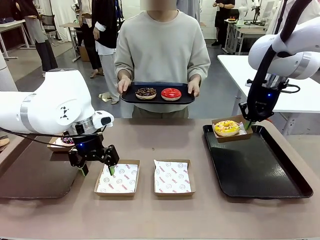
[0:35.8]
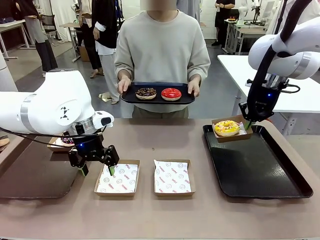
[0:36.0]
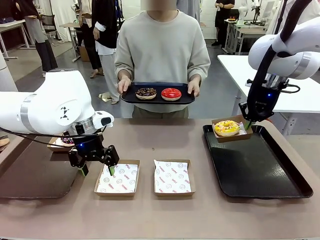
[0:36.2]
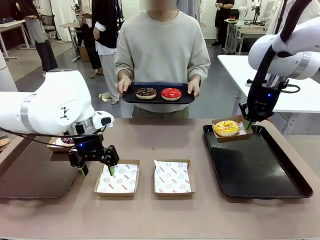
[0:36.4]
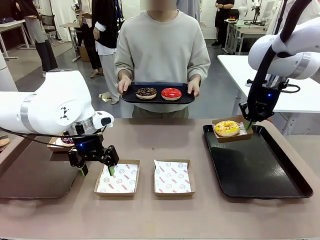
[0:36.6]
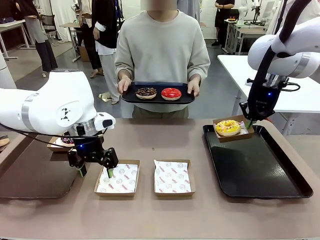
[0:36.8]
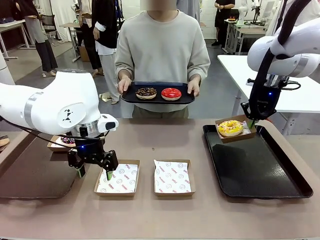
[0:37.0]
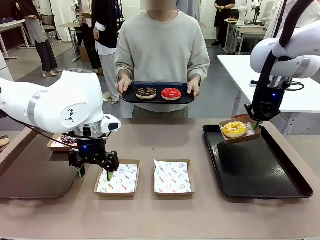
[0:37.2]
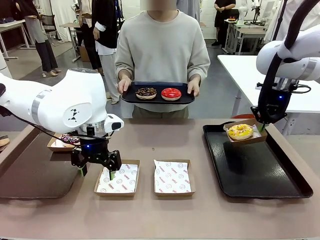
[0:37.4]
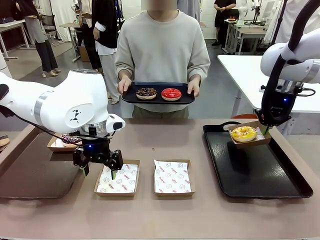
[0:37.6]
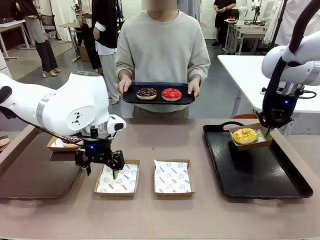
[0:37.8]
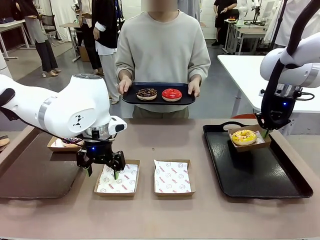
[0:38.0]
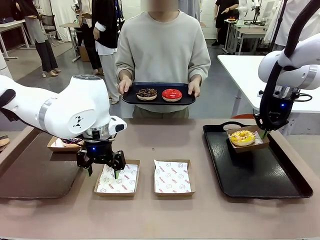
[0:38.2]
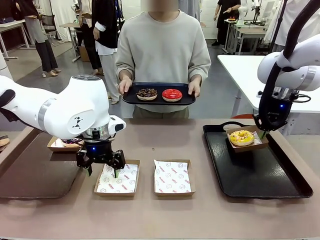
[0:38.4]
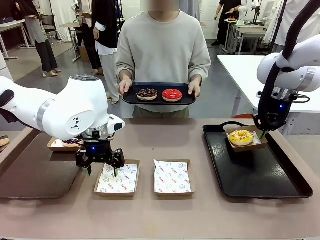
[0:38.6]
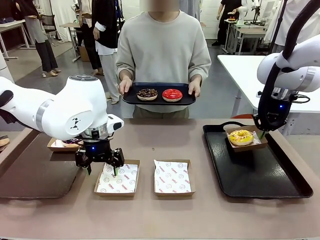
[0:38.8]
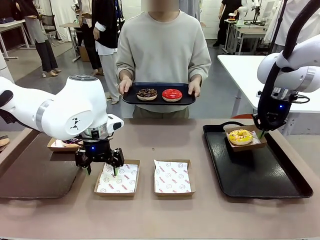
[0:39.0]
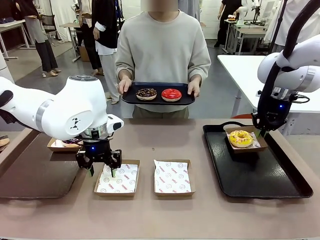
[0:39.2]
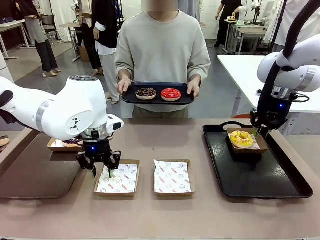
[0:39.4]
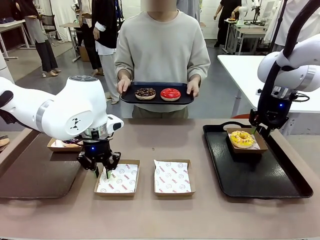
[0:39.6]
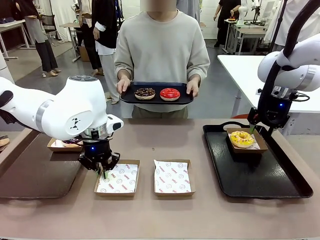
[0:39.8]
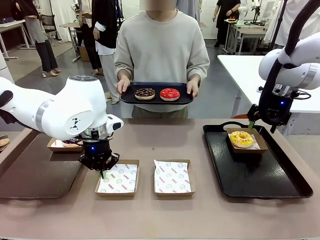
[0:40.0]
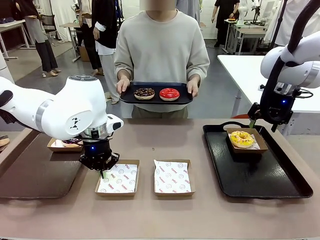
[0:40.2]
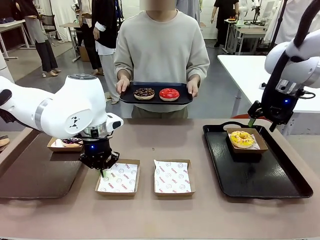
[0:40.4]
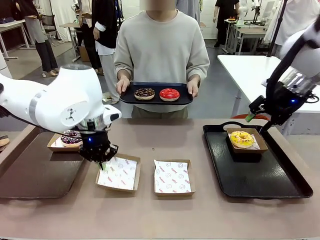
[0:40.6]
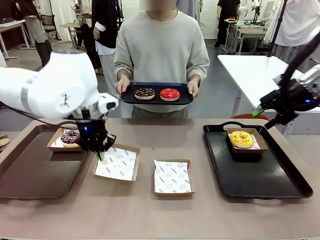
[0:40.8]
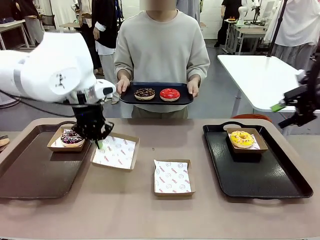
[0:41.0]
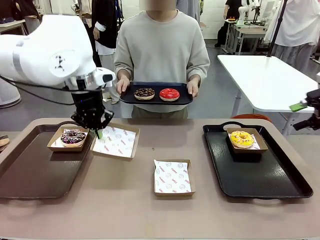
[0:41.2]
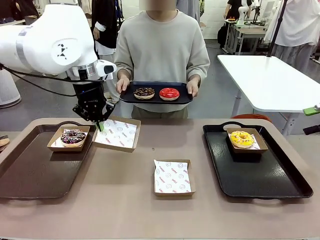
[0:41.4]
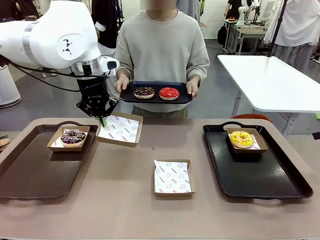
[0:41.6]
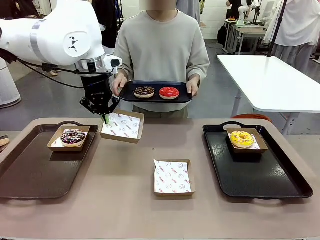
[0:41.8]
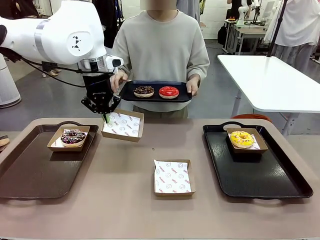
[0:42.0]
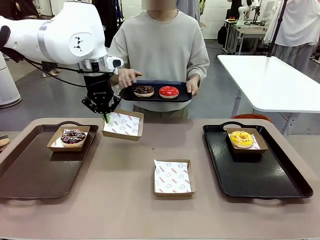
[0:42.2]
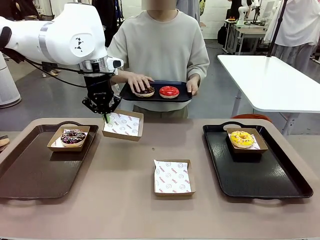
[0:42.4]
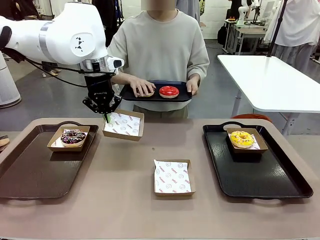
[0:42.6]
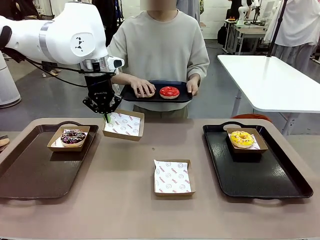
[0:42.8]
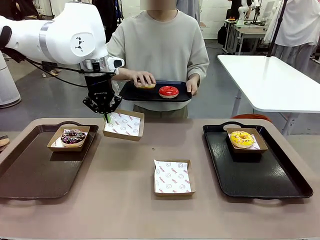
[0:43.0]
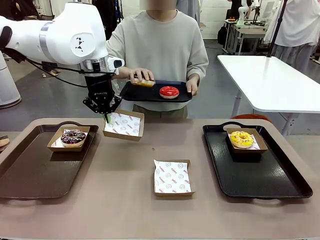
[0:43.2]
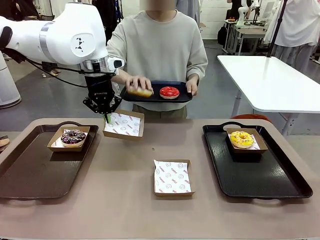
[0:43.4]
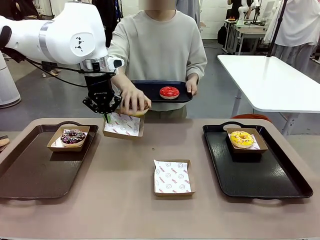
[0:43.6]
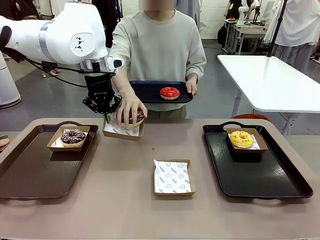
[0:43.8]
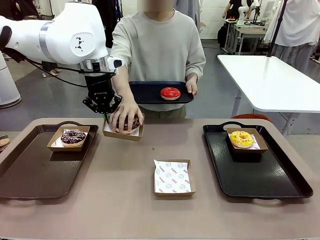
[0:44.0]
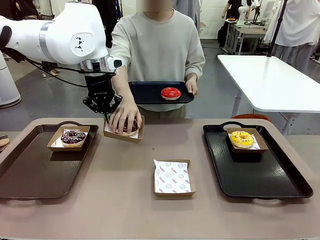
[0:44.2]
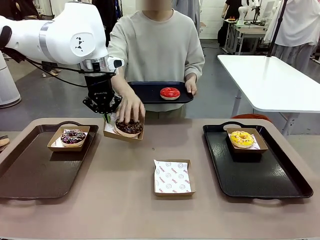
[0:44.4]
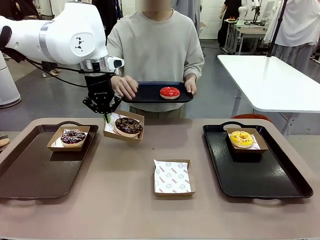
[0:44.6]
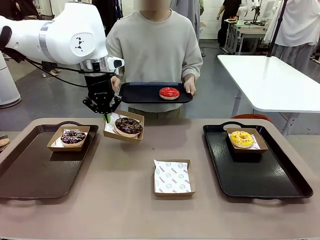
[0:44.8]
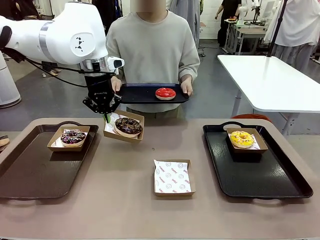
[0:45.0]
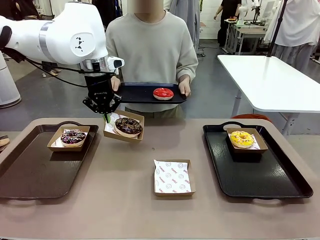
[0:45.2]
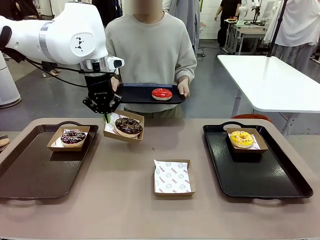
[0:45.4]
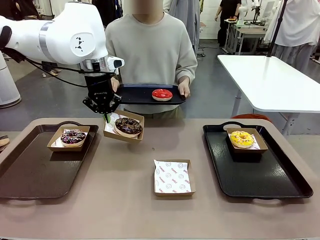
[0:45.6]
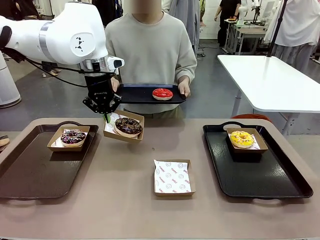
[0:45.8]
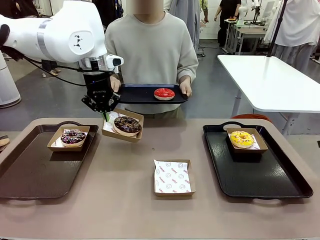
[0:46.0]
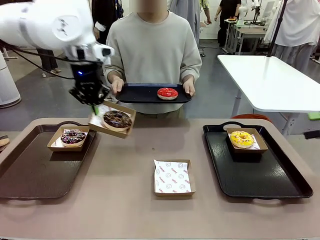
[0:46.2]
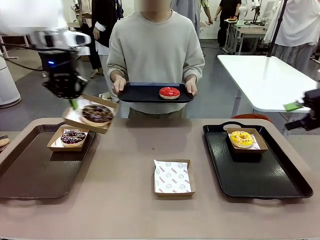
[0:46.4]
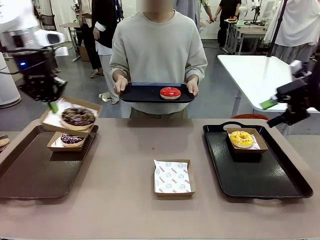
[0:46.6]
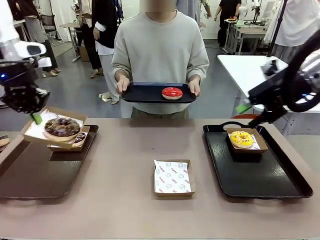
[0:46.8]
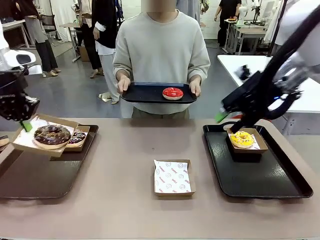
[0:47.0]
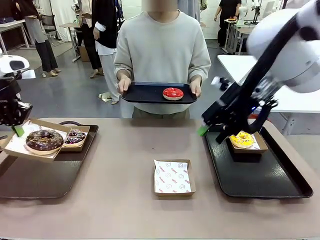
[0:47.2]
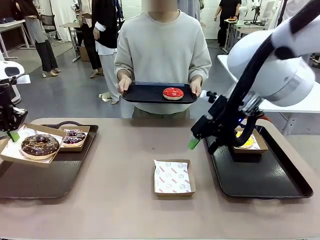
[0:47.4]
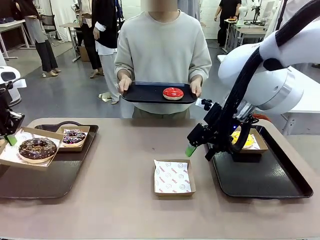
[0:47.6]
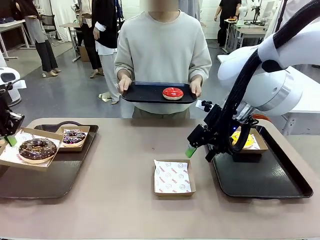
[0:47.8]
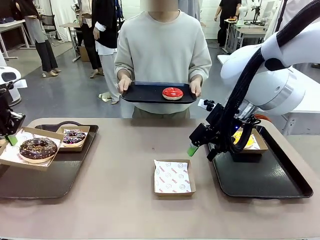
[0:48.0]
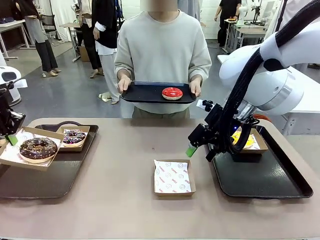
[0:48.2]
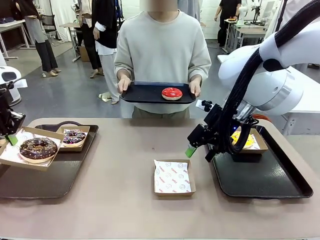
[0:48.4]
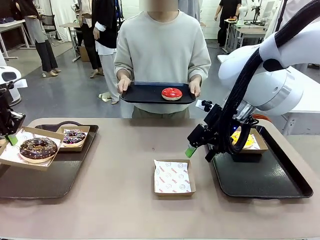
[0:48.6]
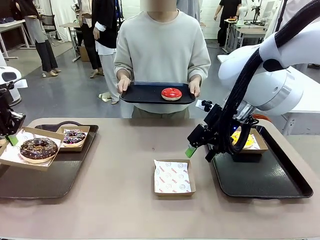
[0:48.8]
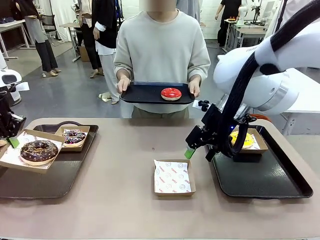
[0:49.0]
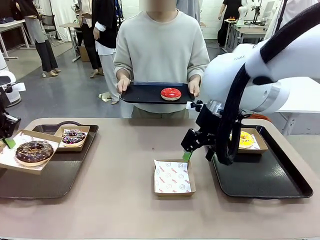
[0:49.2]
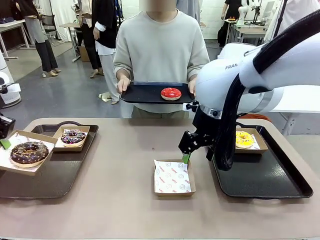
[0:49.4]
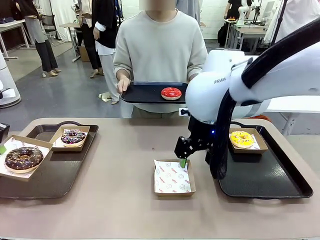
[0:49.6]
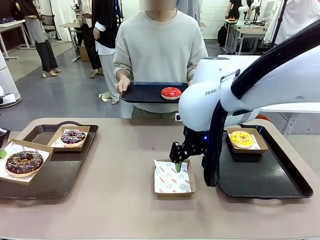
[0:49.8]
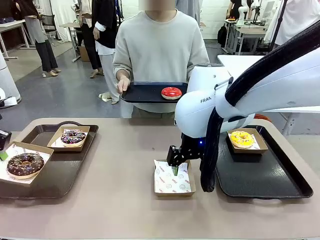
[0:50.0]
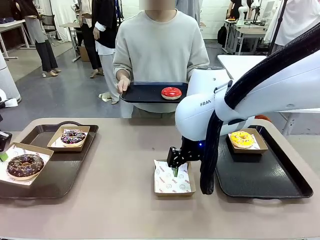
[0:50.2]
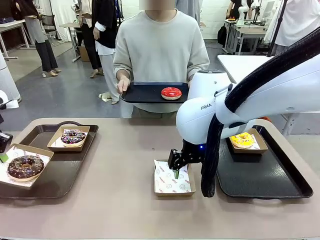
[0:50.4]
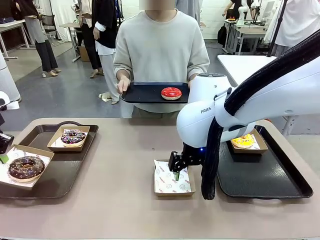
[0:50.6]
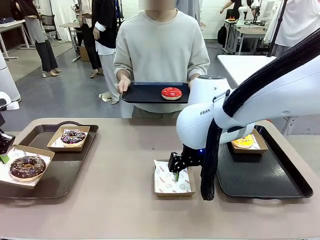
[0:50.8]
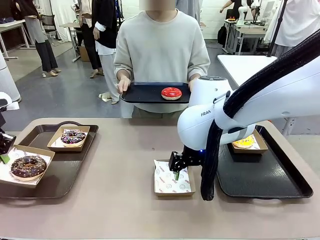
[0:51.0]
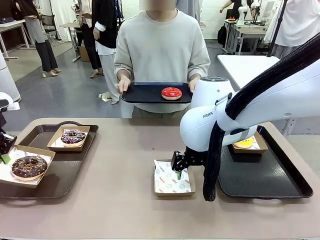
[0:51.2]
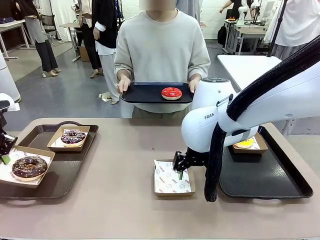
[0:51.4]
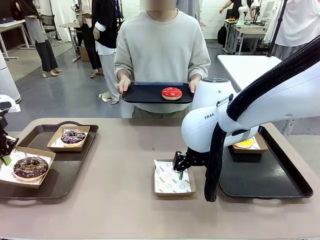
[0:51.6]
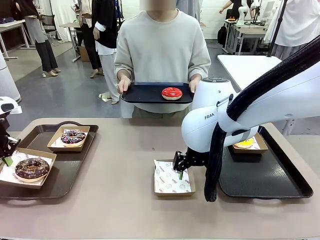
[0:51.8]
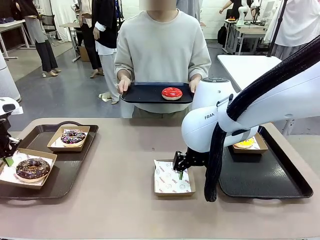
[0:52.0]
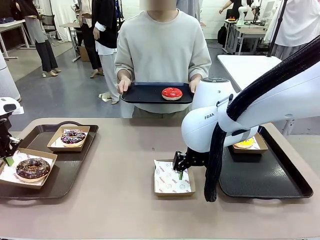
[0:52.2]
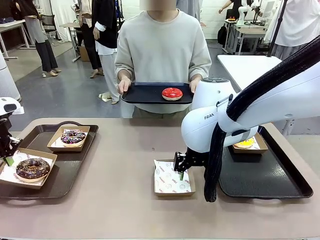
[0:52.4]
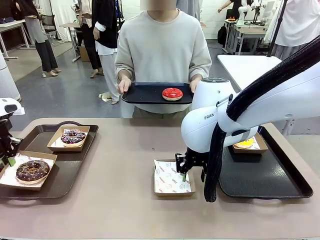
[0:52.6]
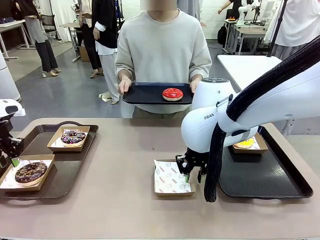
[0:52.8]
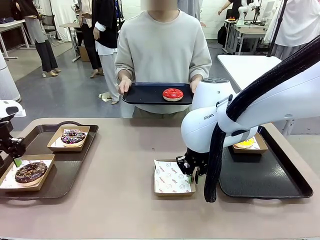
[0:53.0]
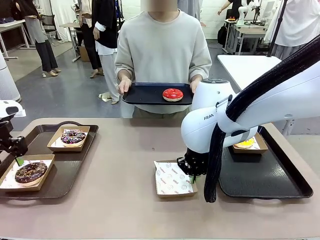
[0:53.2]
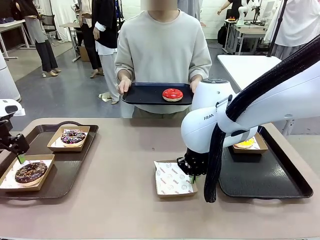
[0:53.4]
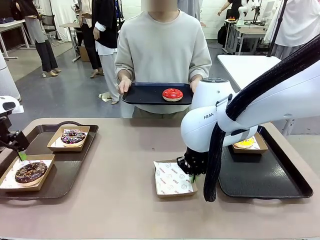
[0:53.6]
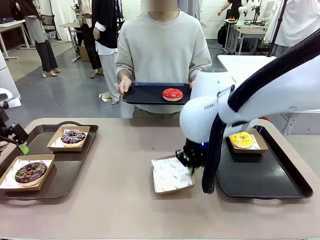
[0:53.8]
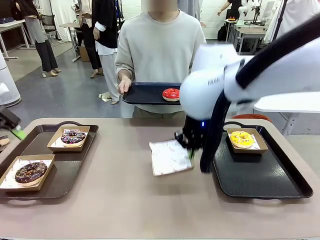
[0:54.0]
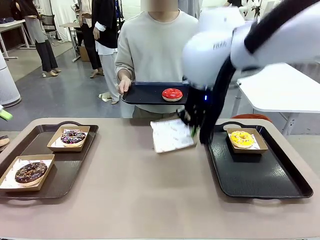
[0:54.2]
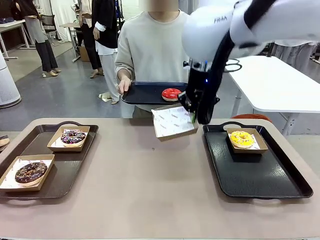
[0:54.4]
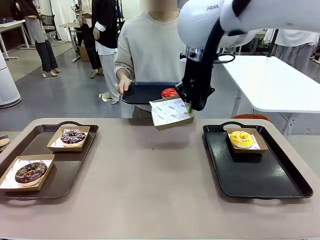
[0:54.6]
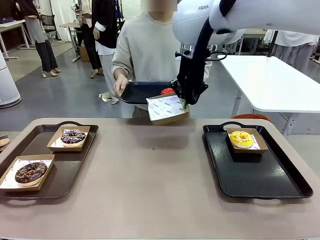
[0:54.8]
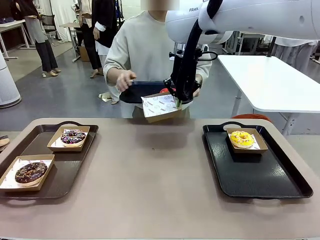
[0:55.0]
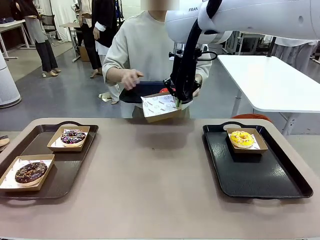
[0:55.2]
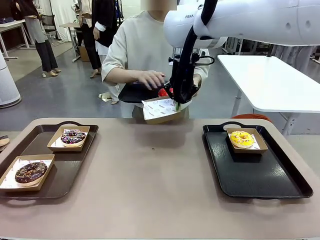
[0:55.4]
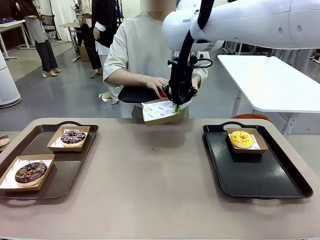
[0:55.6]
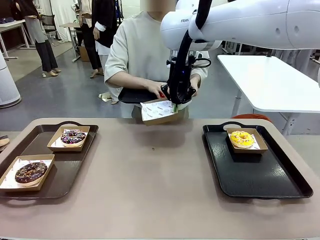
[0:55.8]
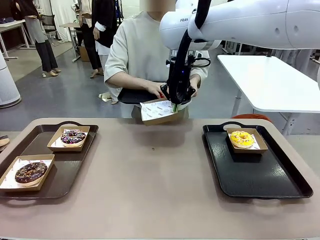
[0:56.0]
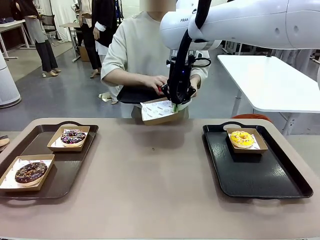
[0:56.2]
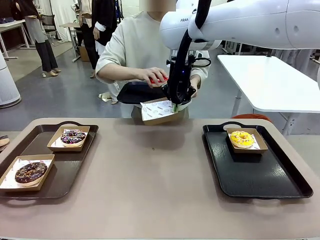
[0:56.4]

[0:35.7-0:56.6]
Task: Individually package the donuts and arrange them on the tray.
Robot: Place the picked Paper togo box on the Handle tray while simultaneously picking up another Paper togo box from the table with the other hand.
